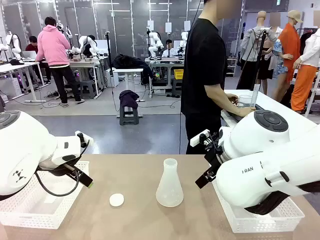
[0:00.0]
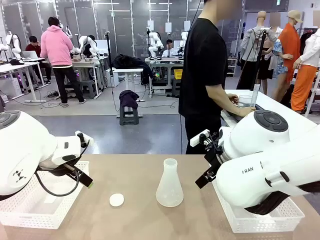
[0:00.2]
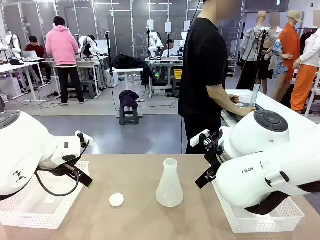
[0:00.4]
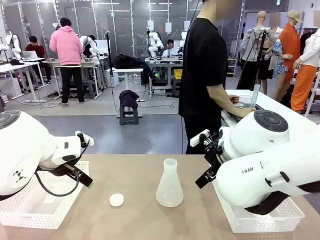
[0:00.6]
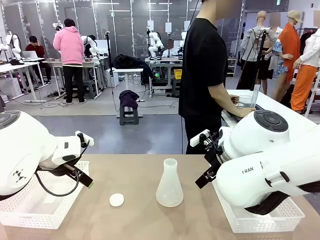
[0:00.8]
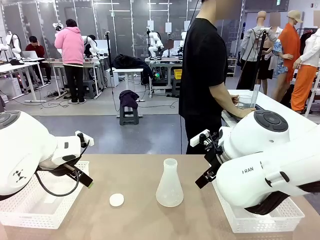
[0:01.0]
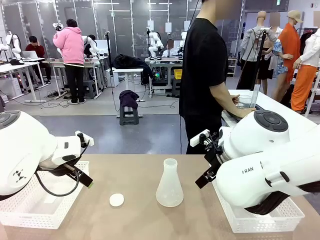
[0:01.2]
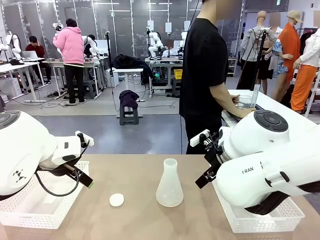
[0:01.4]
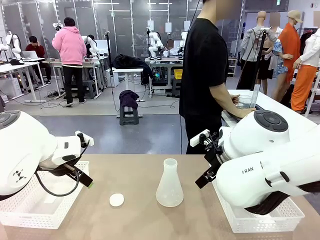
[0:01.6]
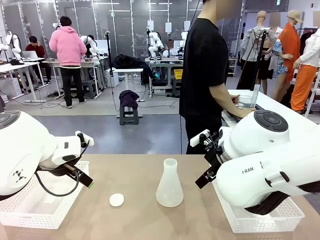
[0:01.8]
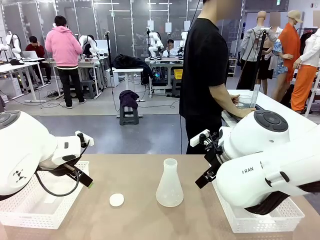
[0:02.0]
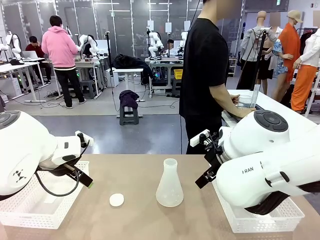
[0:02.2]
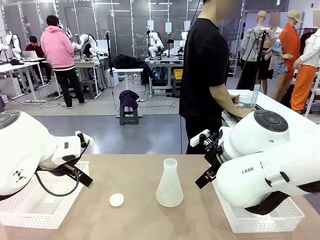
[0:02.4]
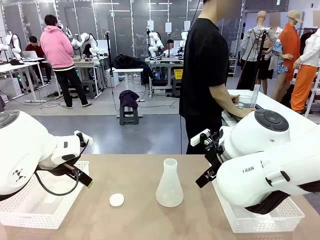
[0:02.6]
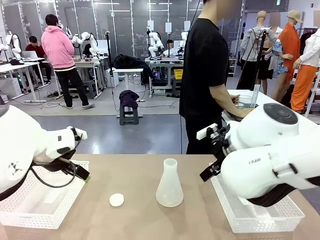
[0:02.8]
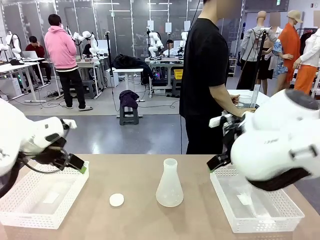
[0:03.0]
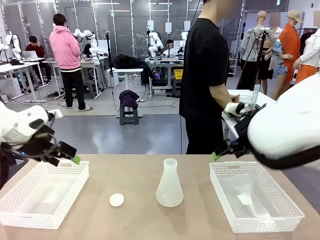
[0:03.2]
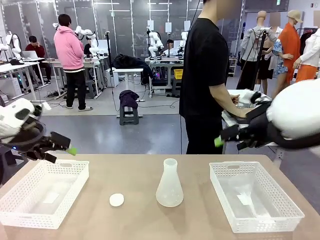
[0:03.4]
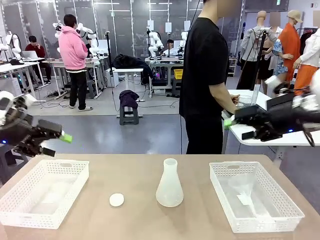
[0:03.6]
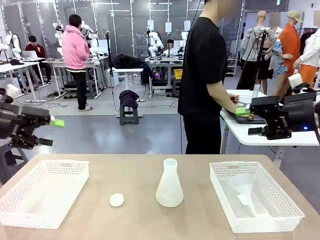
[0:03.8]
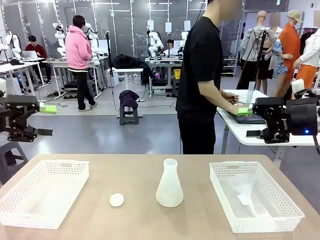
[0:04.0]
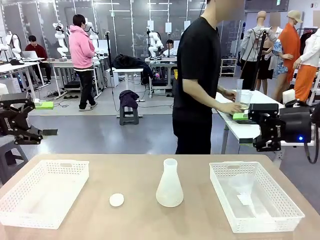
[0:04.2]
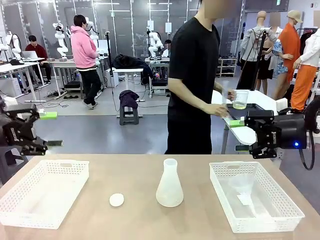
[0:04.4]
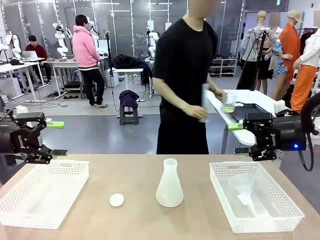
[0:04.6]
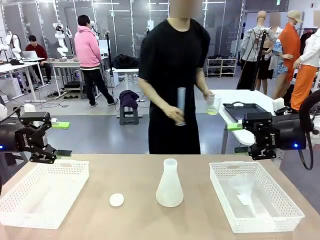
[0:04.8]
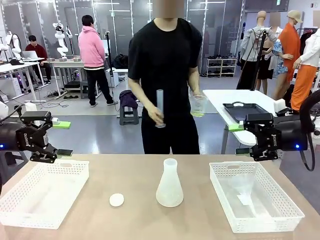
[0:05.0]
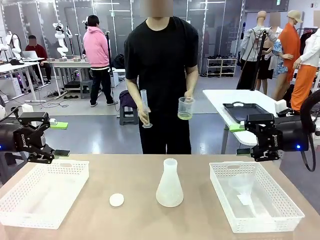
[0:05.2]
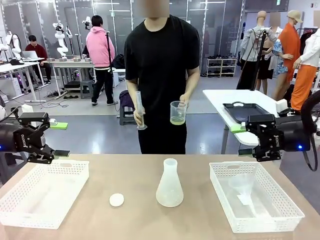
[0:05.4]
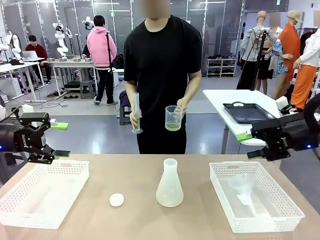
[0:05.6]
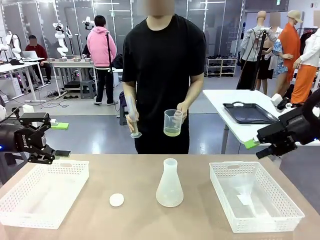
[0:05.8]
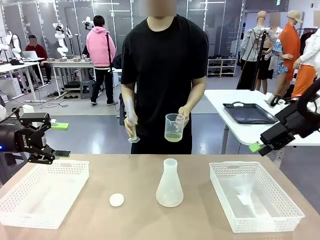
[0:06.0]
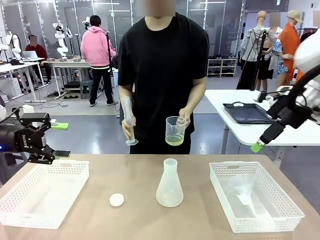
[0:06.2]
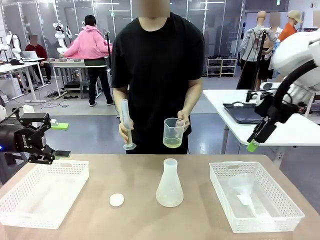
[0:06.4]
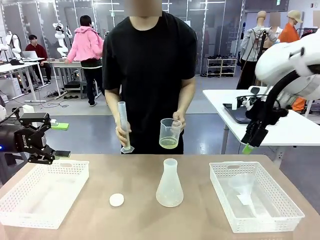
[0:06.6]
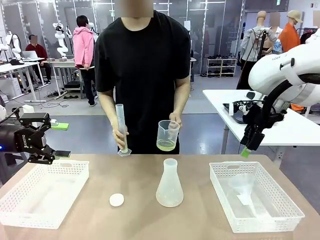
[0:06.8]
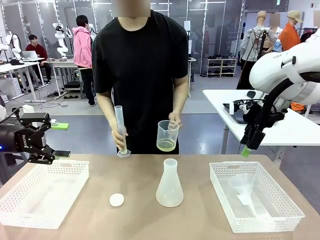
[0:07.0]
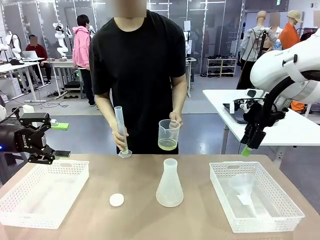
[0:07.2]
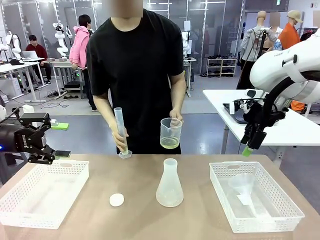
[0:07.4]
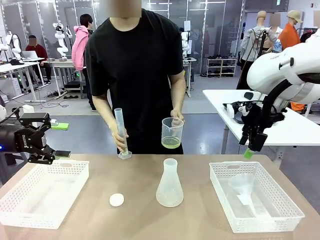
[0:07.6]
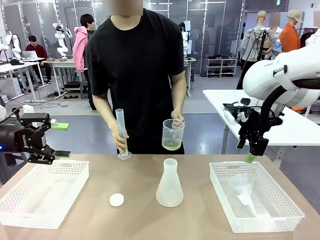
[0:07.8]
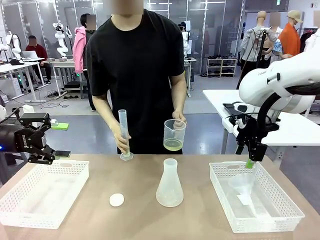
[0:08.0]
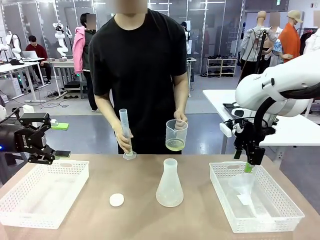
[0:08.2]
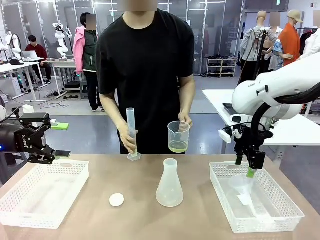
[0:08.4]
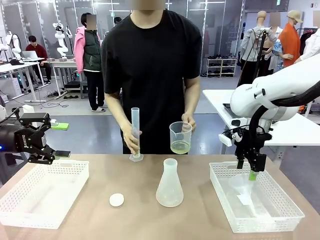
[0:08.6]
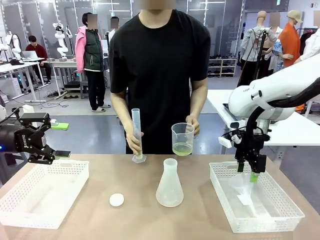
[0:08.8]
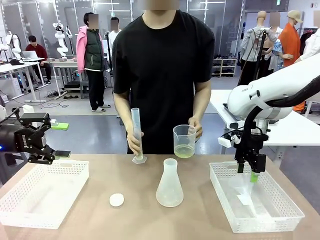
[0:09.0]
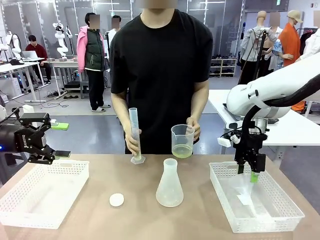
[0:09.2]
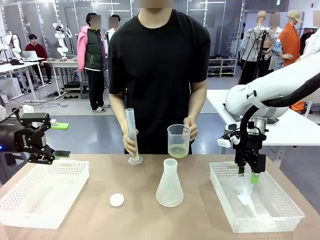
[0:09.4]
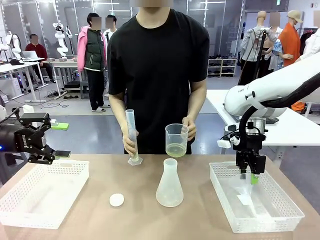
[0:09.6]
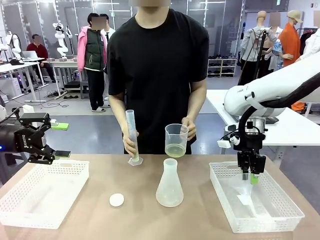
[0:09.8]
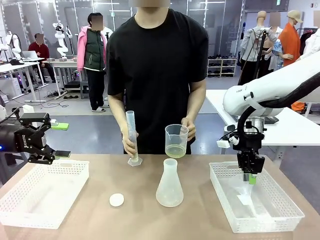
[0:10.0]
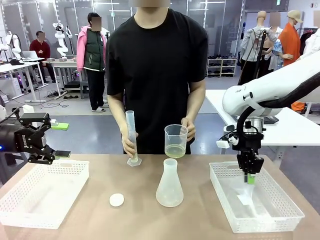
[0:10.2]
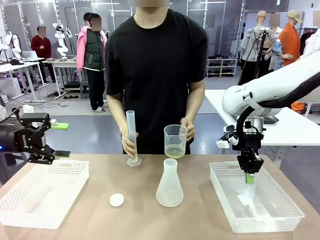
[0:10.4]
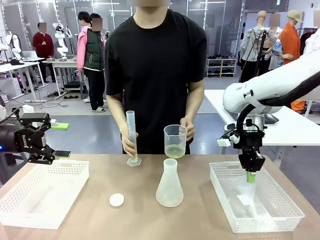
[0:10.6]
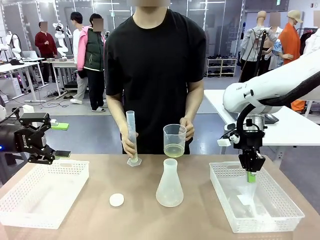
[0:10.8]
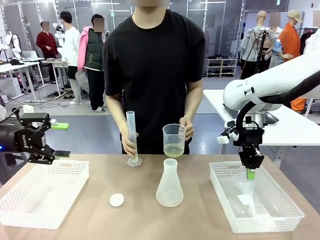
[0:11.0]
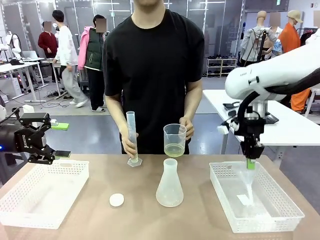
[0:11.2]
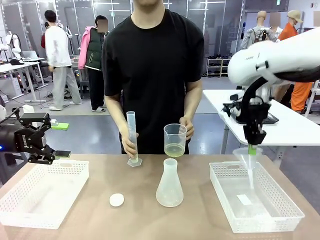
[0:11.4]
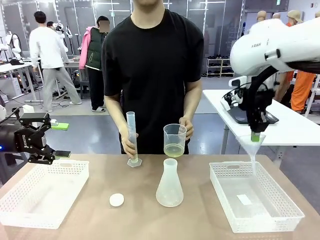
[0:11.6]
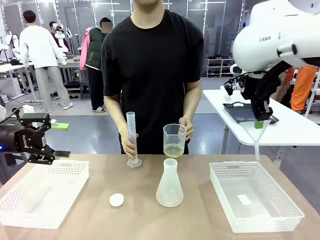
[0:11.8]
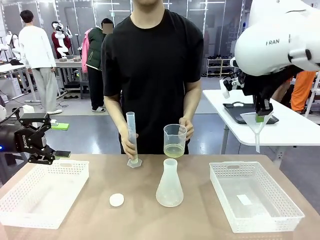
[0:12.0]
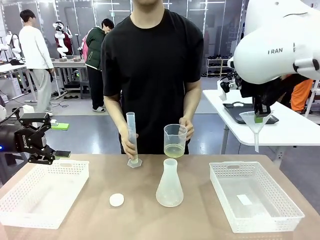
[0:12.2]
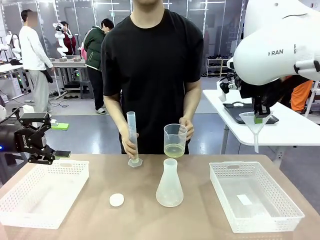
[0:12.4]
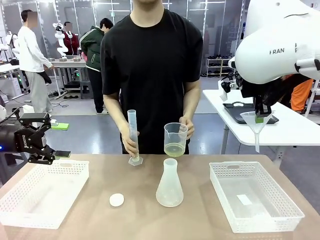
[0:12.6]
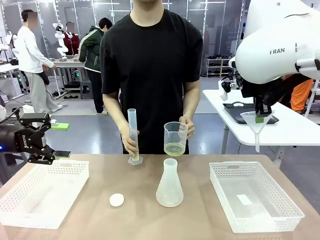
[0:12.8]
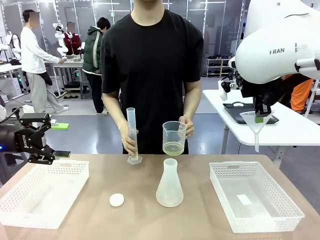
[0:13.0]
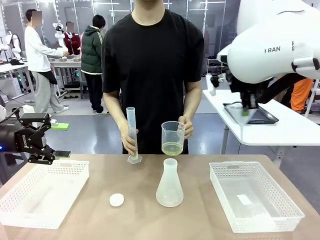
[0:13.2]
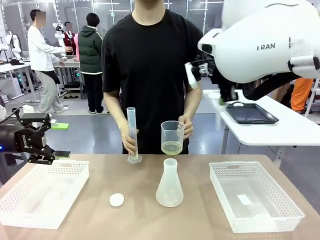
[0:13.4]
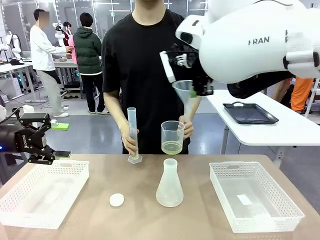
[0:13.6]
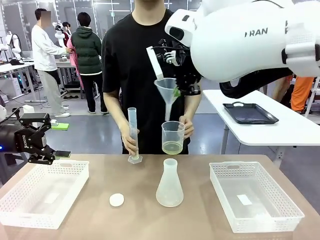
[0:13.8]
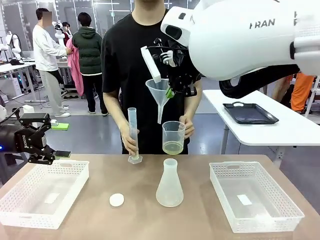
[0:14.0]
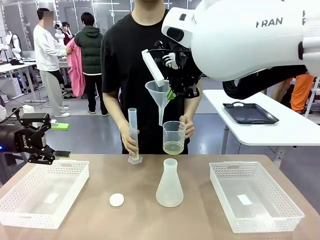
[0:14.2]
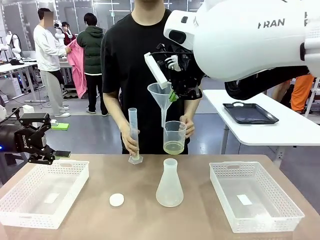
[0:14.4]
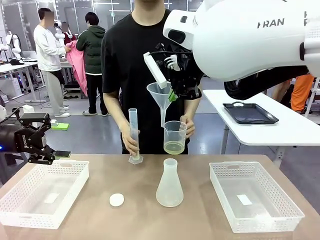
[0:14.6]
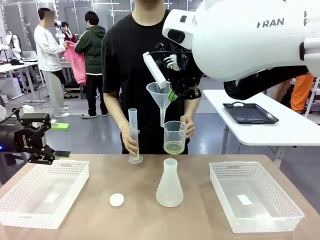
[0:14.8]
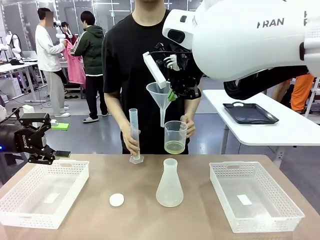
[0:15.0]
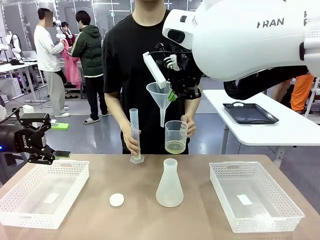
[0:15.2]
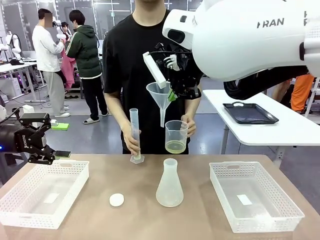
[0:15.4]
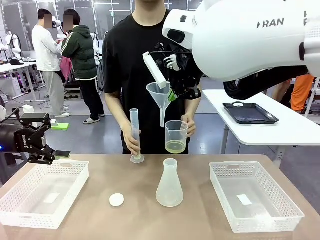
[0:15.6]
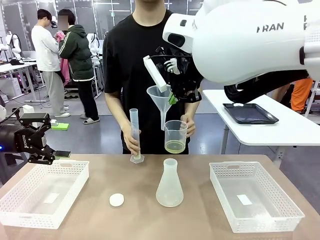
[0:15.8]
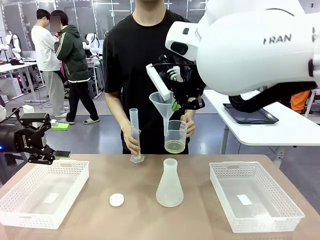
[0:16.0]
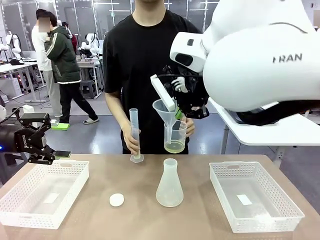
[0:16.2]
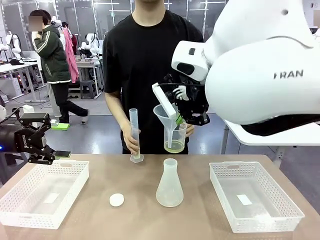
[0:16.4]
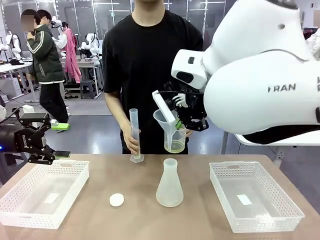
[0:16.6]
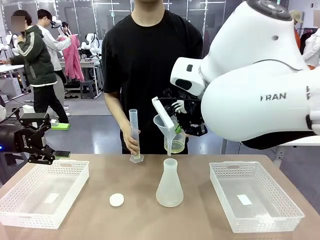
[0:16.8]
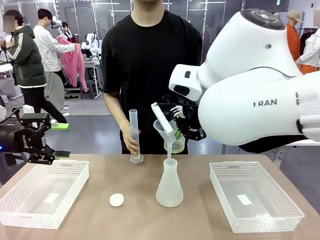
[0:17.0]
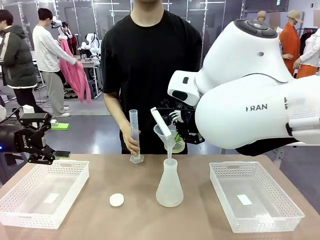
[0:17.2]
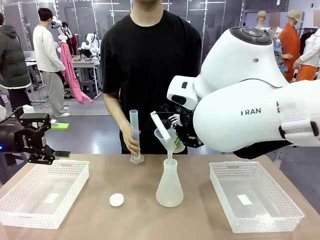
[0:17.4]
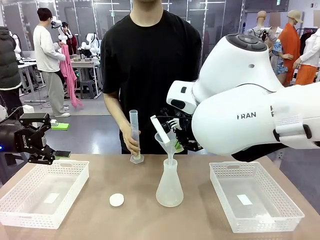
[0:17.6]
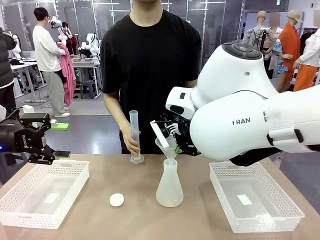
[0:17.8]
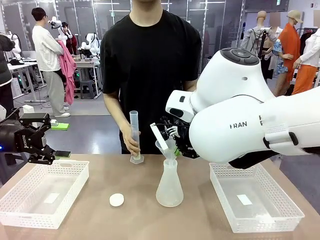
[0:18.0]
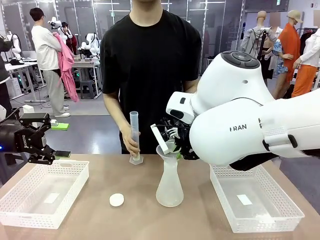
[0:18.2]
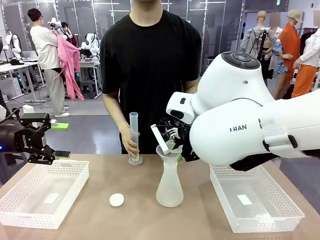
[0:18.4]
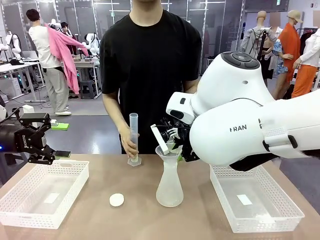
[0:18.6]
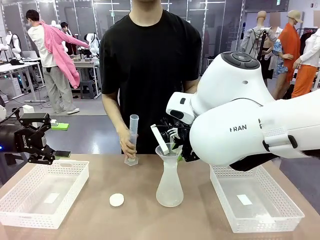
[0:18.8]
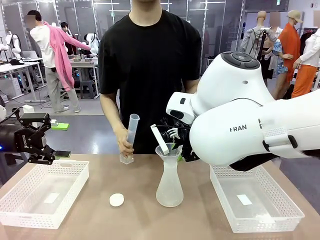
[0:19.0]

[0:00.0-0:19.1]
Task: Prepare the solutions needed for the experiment.
Robot: Pick up the Plastic Funnel and insert it into the Big flask.
Person: Pick up the beaker and the cylinder and move to the middle of the robot table. Pour the solution from the beaker and the cylinder into the flask.
